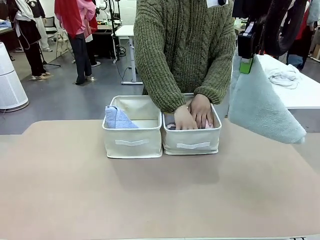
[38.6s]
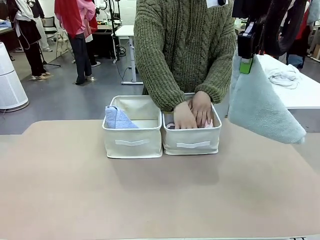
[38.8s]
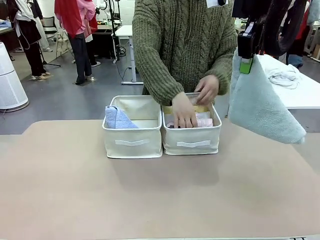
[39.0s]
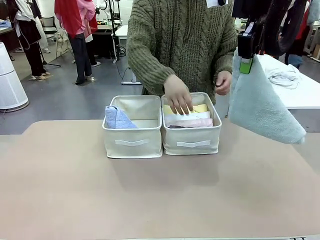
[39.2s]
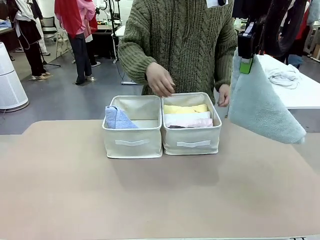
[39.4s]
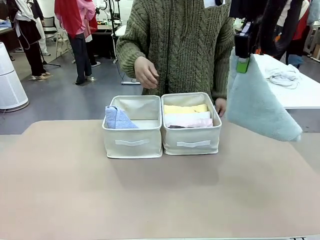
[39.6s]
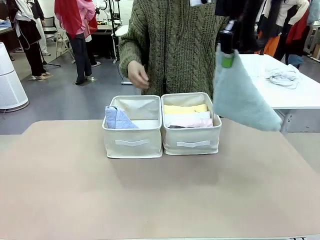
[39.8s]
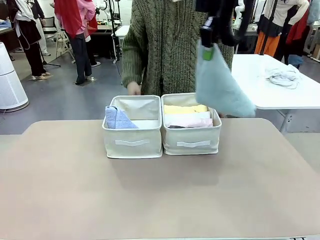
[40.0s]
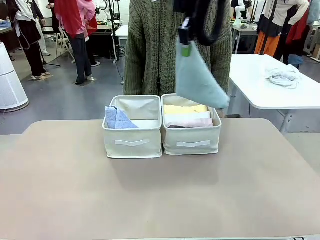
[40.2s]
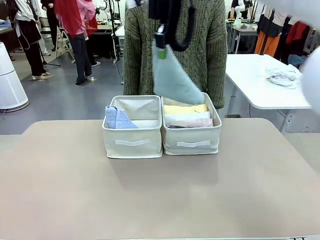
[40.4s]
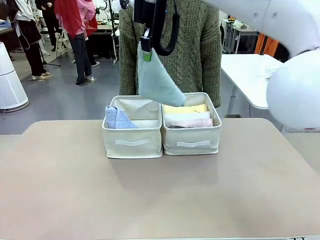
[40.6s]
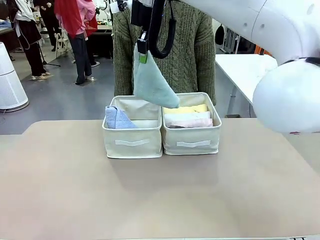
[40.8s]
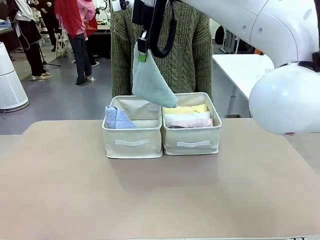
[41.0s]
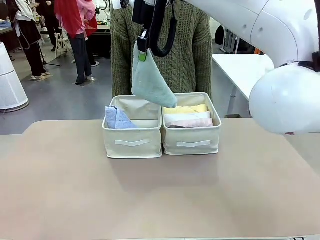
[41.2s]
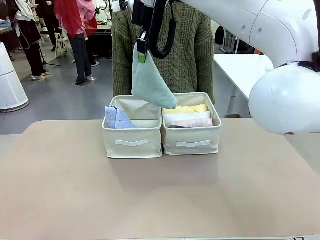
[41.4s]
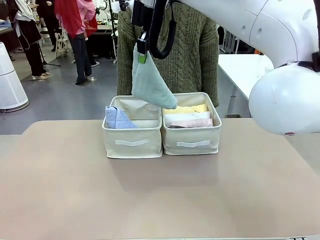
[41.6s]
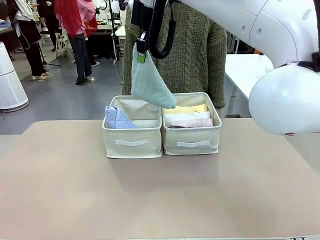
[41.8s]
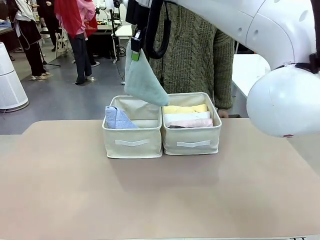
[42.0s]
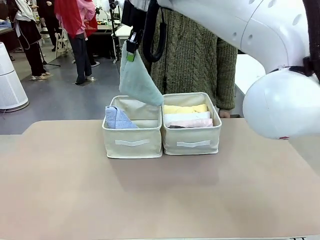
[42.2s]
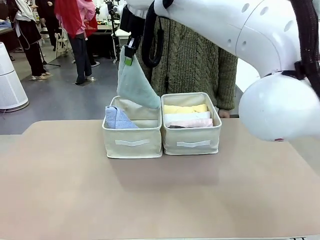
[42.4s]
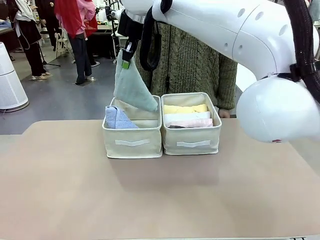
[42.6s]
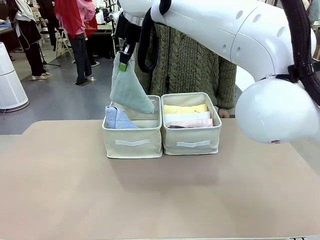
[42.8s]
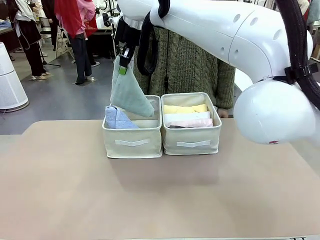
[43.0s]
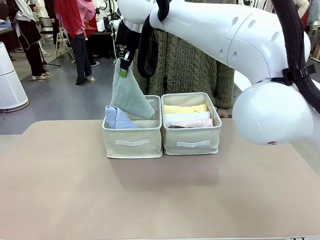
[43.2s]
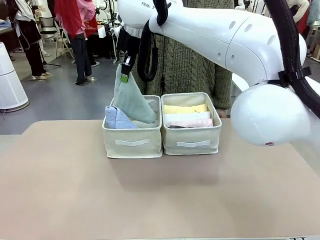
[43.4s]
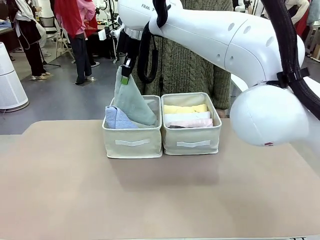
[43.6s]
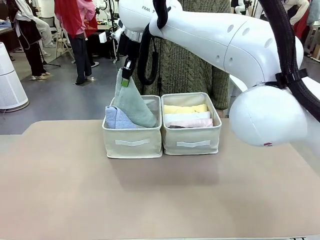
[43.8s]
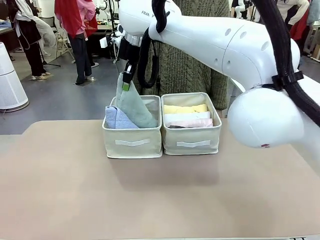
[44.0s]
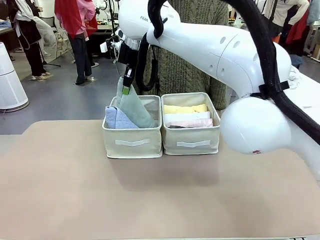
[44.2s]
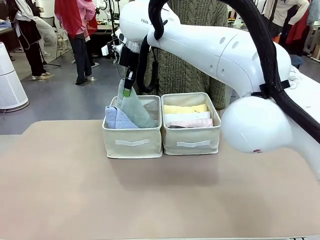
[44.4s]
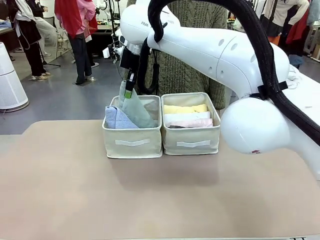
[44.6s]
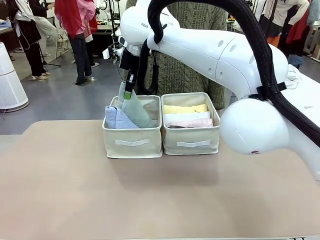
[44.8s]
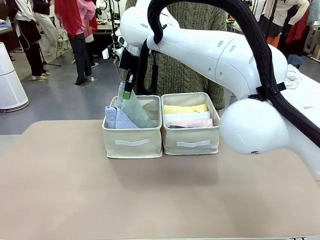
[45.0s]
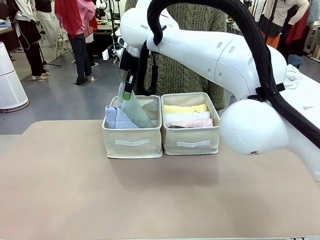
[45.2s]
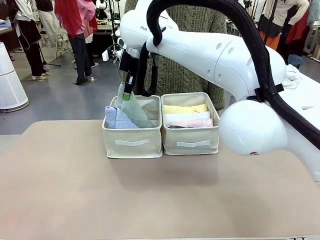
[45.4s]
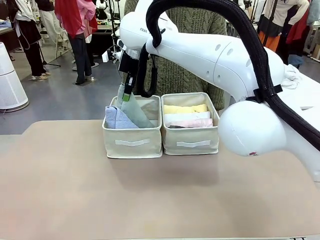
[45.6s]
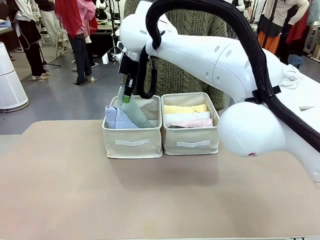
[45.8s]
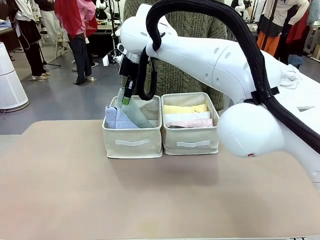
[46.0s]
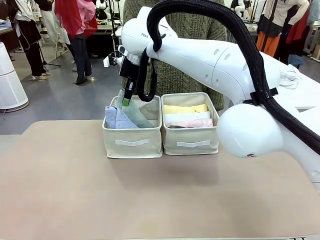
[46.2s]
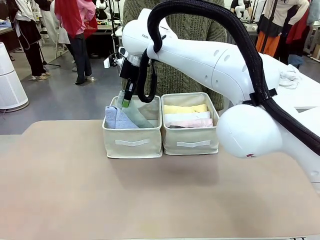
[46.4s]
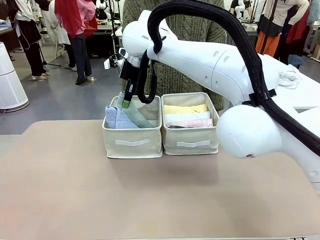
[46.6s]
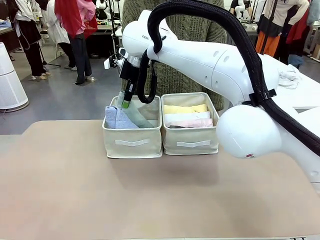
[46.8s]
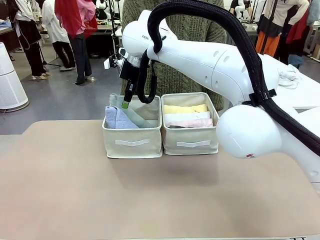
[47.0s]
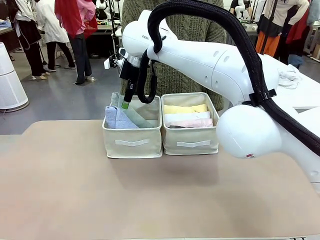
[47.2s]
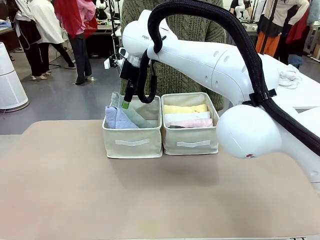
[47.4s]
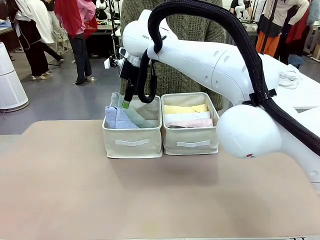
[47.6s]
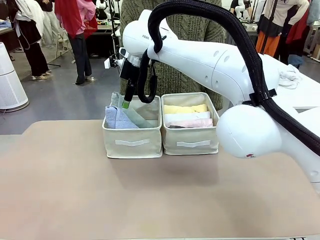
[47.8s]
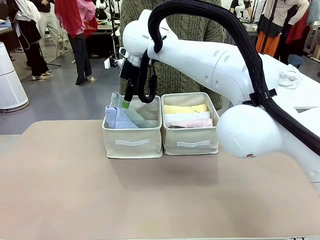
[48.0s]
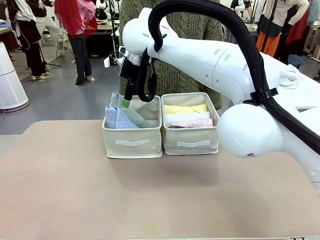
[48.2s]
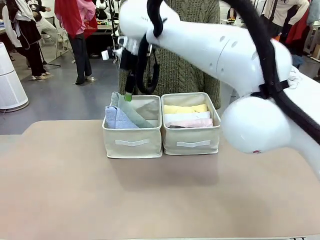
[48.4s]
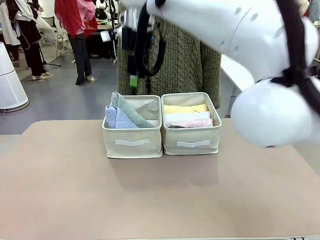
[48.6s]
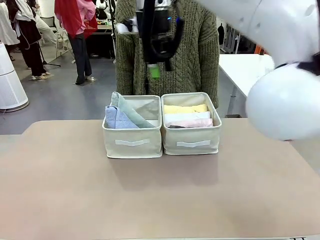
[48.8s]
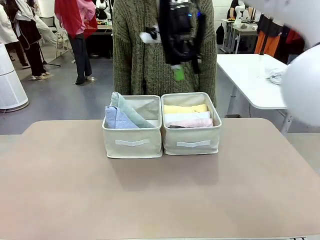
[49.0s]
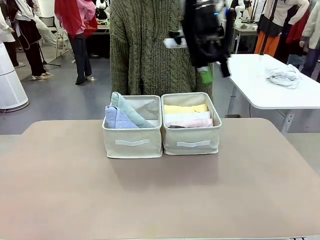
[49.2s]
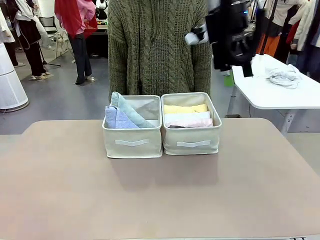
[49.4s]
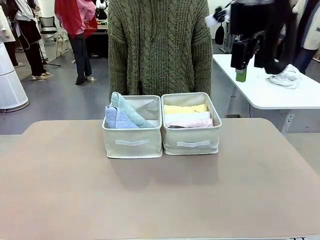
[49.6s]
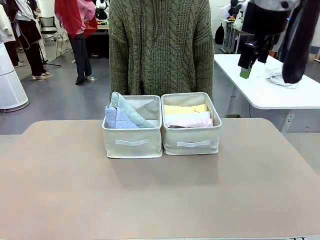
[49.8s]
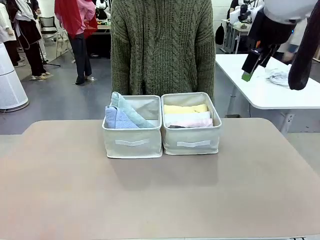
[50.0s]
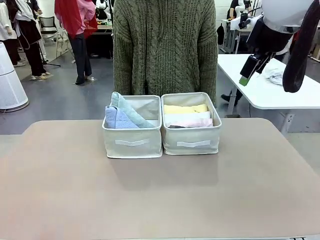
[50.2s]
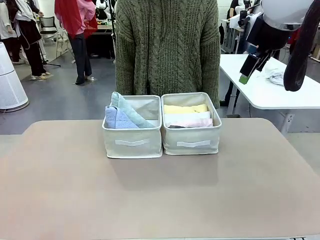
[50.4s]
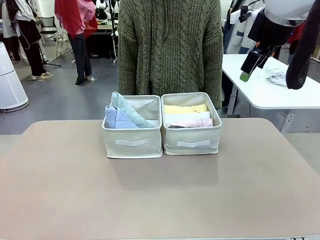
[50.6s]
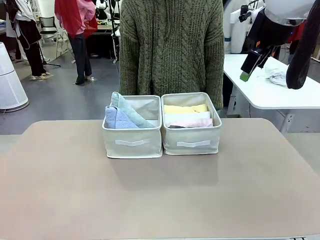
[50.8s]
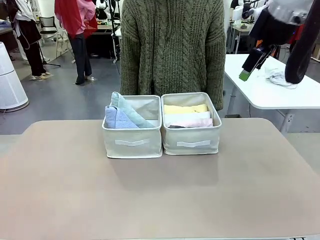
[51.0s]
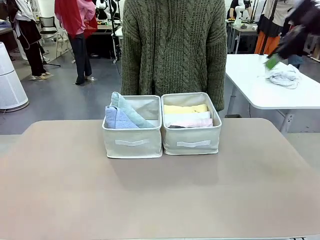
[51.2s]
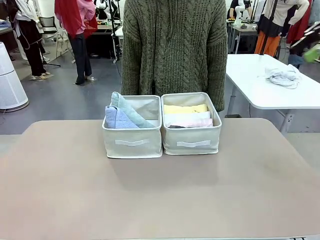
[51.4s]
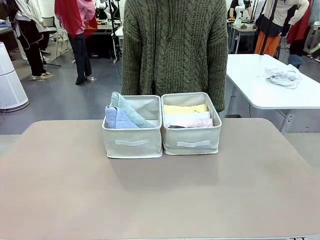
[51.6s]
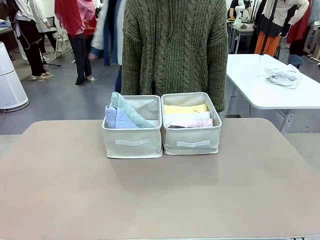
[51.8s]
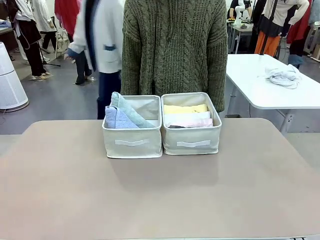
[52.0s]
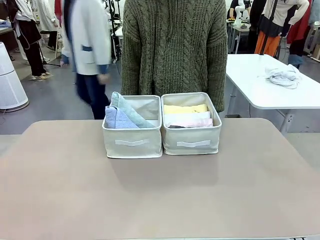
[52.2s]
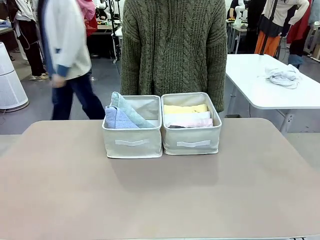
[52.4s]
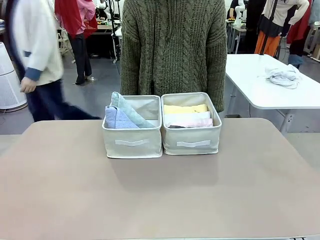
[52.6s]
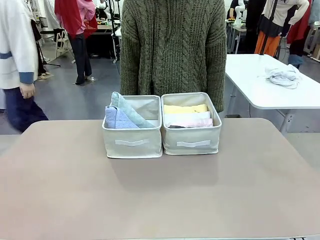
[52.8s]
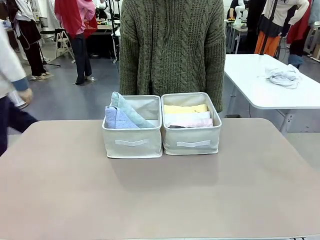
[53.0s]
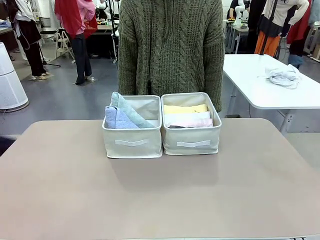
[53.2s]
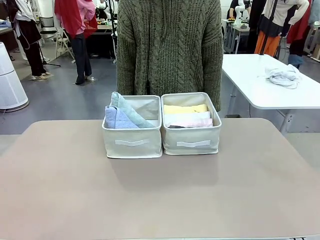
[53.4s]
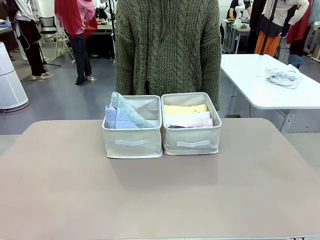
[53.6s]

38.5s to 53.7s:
Task: Sort the towels based on their folding style.
Robot: Pick up another triangle-folded towel from the table and place it in the left Fabric basket.
